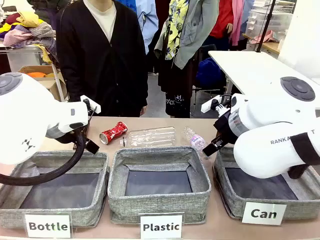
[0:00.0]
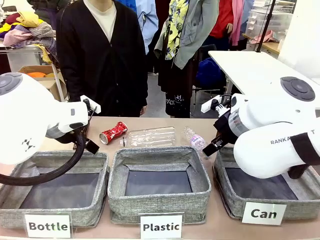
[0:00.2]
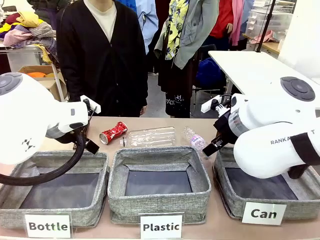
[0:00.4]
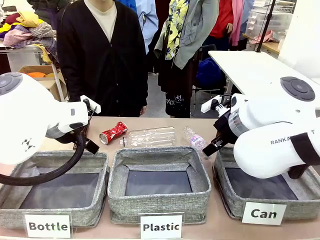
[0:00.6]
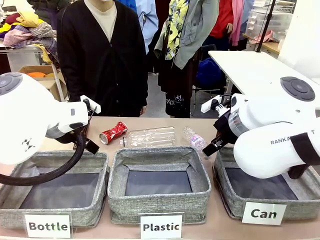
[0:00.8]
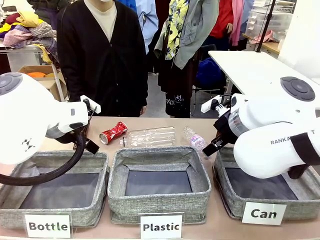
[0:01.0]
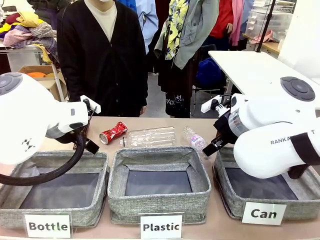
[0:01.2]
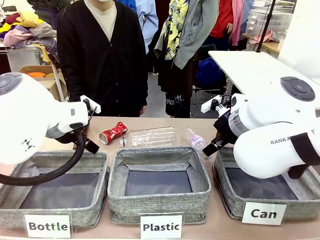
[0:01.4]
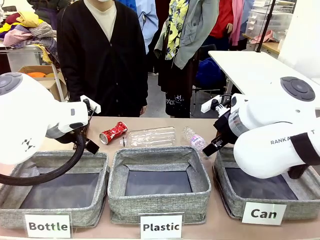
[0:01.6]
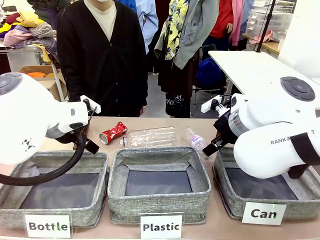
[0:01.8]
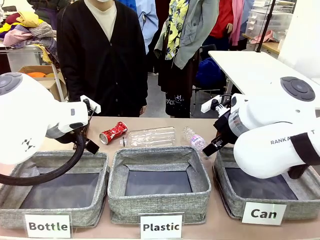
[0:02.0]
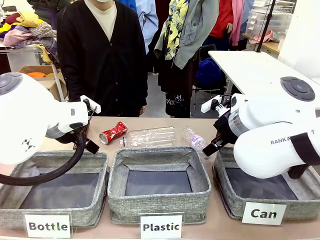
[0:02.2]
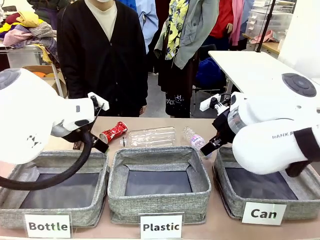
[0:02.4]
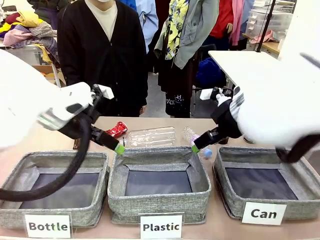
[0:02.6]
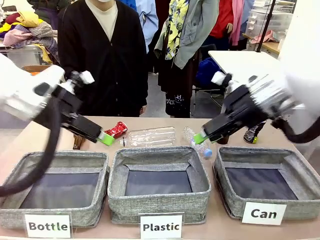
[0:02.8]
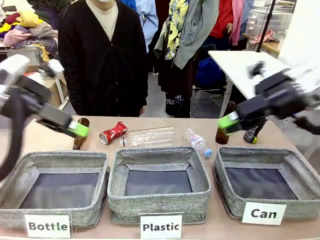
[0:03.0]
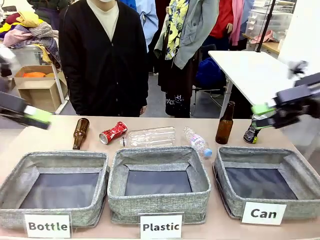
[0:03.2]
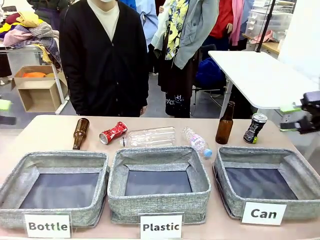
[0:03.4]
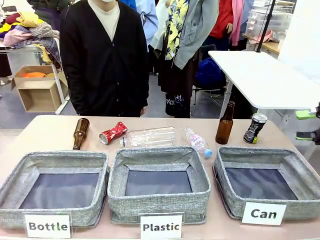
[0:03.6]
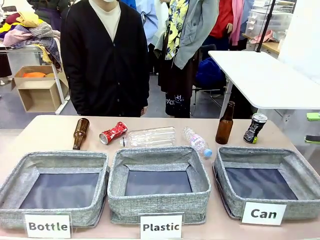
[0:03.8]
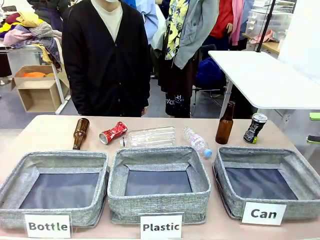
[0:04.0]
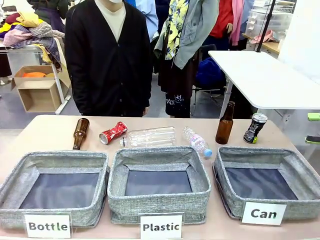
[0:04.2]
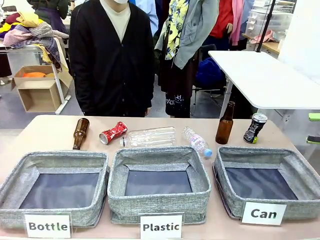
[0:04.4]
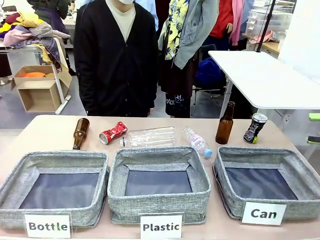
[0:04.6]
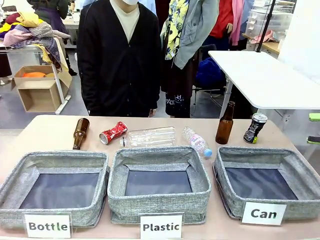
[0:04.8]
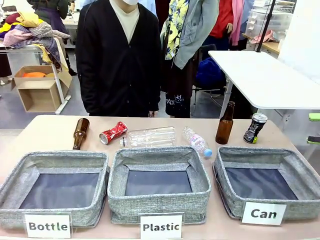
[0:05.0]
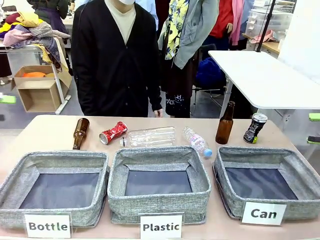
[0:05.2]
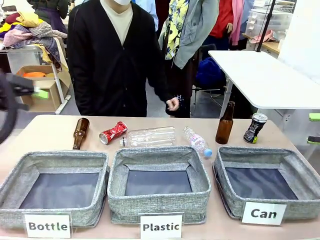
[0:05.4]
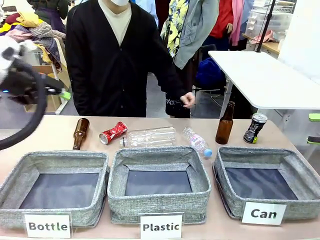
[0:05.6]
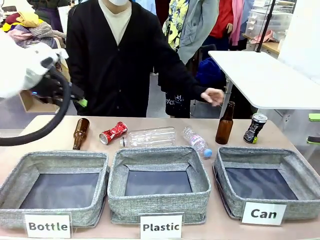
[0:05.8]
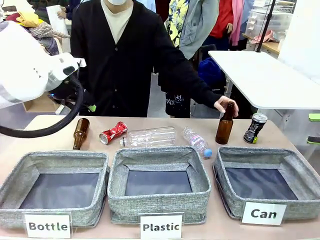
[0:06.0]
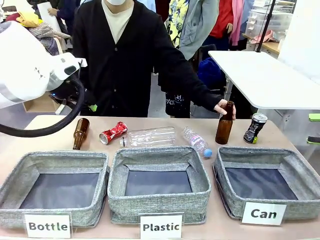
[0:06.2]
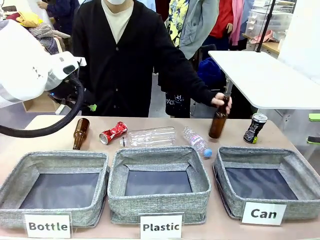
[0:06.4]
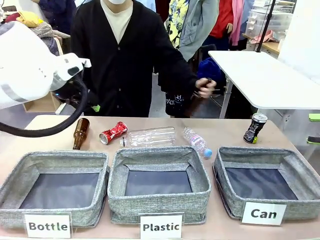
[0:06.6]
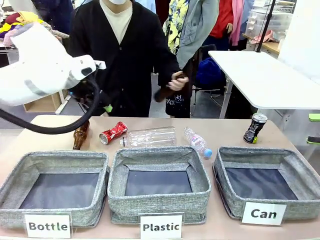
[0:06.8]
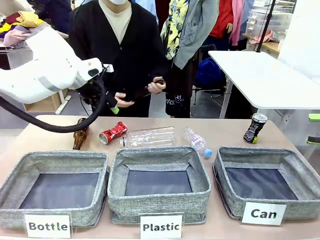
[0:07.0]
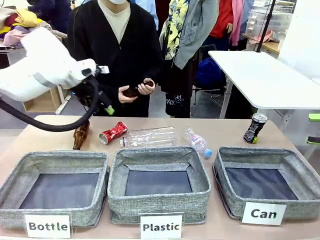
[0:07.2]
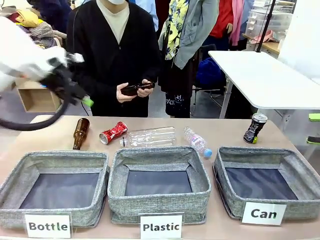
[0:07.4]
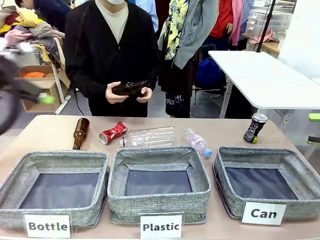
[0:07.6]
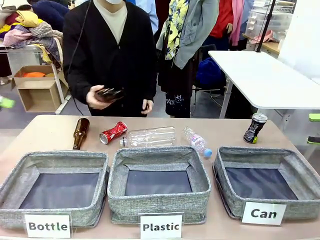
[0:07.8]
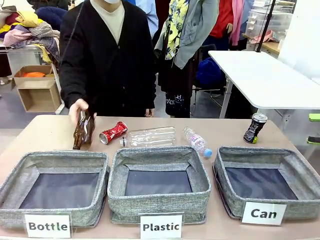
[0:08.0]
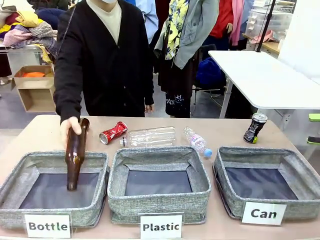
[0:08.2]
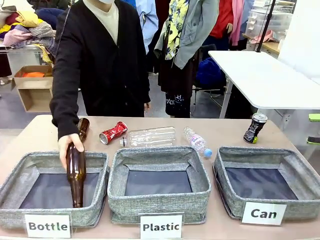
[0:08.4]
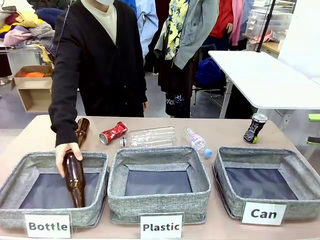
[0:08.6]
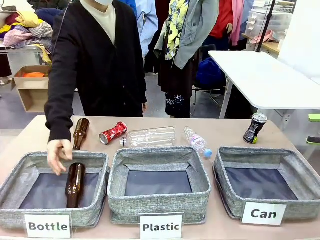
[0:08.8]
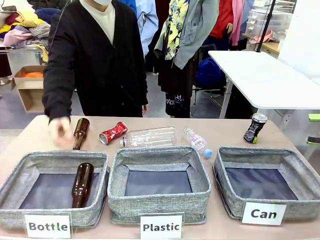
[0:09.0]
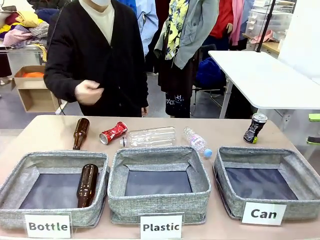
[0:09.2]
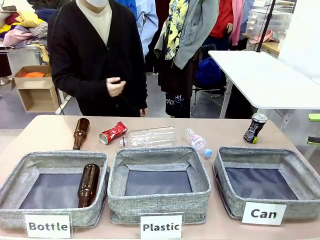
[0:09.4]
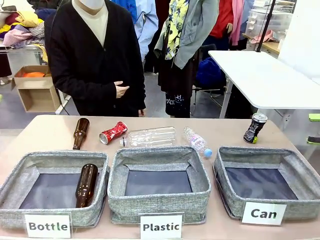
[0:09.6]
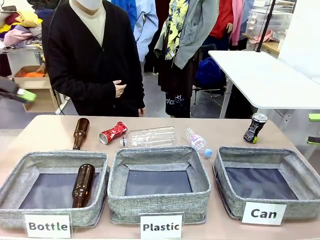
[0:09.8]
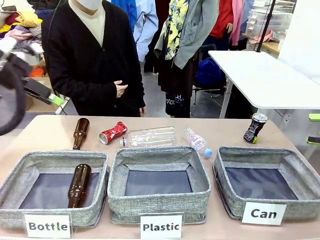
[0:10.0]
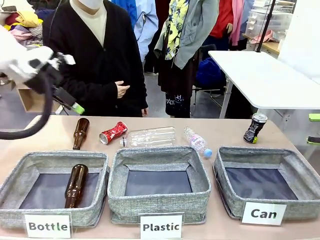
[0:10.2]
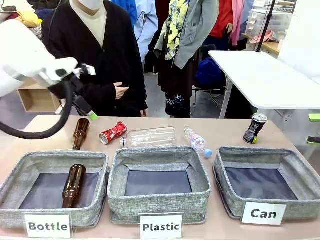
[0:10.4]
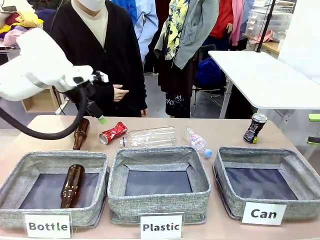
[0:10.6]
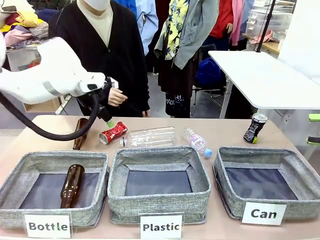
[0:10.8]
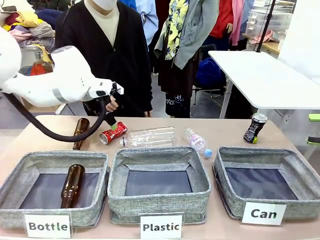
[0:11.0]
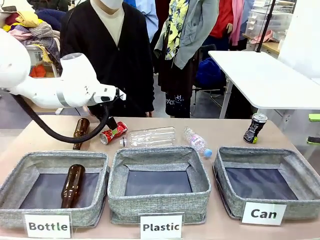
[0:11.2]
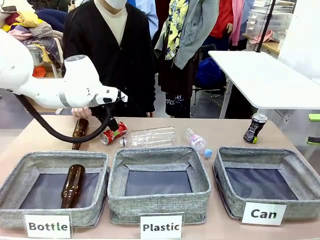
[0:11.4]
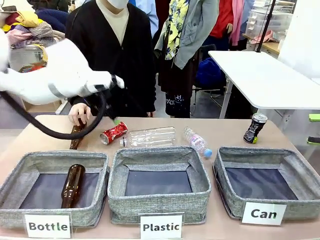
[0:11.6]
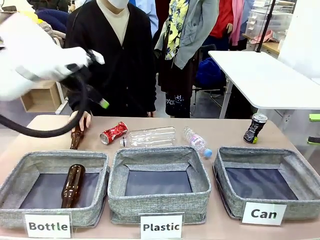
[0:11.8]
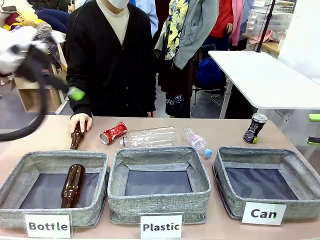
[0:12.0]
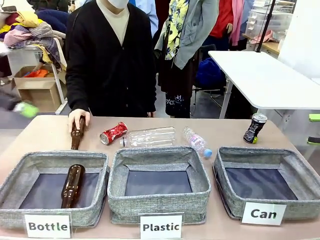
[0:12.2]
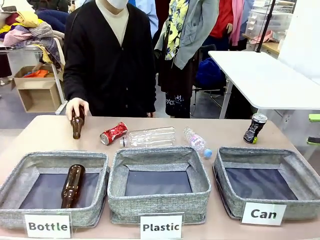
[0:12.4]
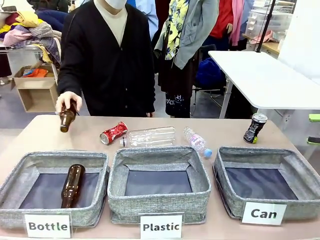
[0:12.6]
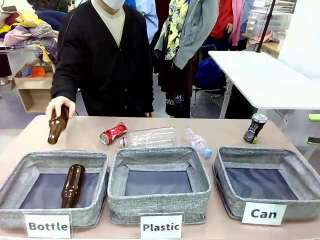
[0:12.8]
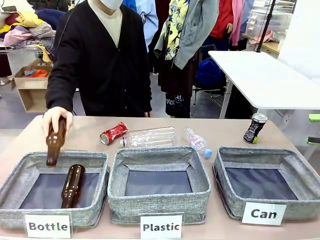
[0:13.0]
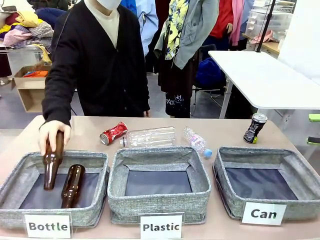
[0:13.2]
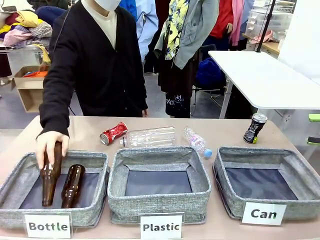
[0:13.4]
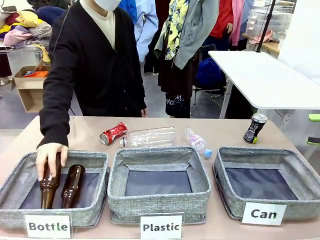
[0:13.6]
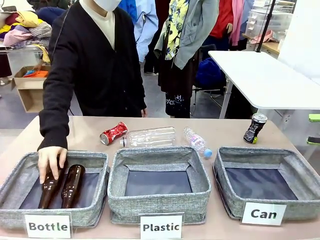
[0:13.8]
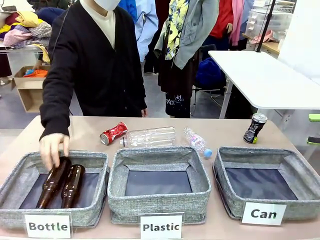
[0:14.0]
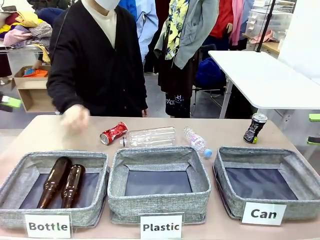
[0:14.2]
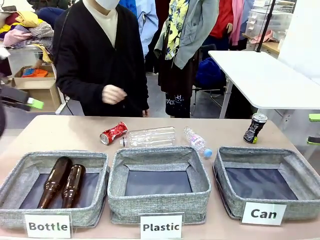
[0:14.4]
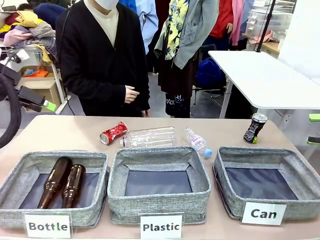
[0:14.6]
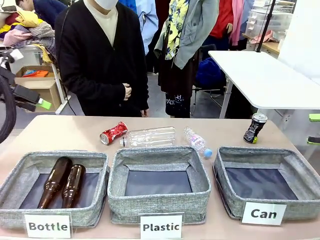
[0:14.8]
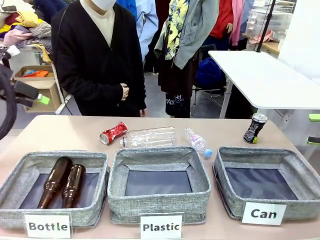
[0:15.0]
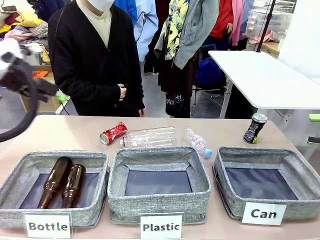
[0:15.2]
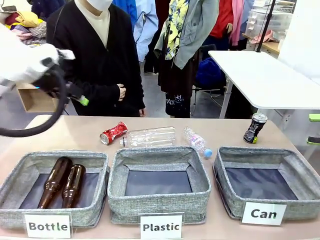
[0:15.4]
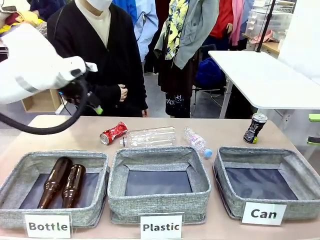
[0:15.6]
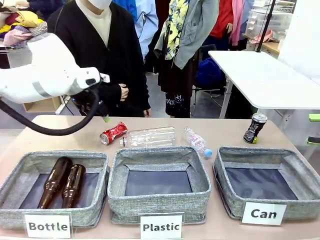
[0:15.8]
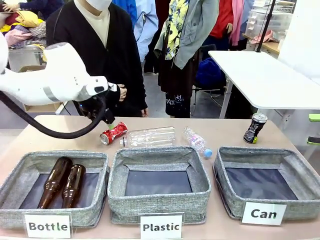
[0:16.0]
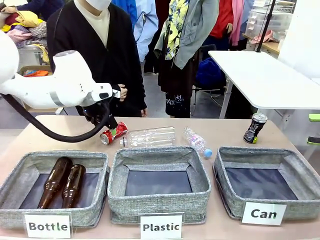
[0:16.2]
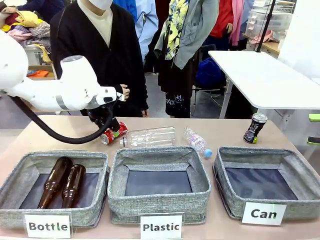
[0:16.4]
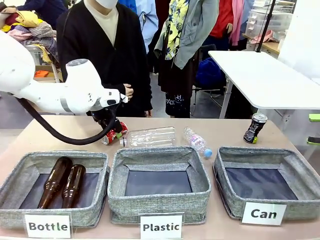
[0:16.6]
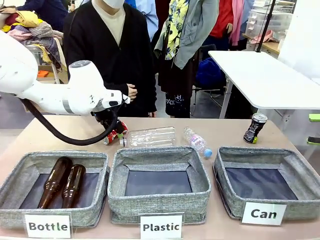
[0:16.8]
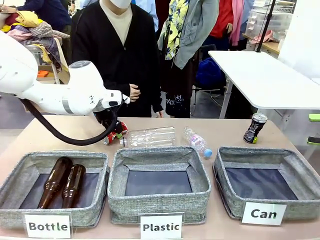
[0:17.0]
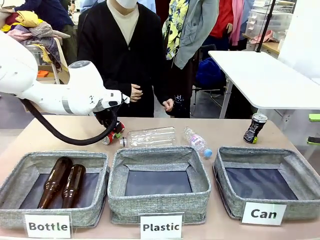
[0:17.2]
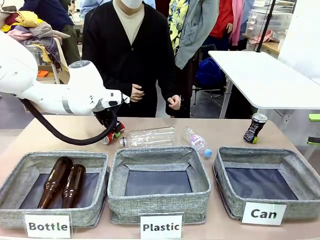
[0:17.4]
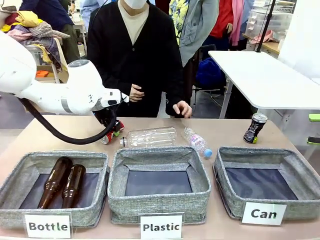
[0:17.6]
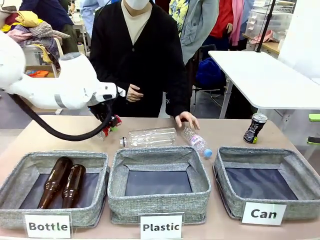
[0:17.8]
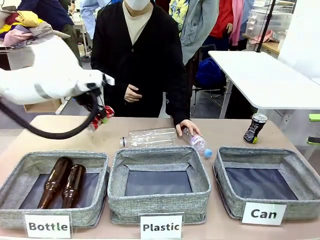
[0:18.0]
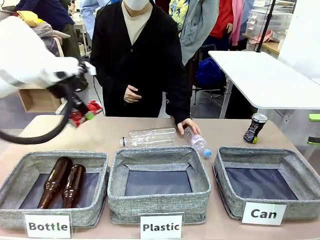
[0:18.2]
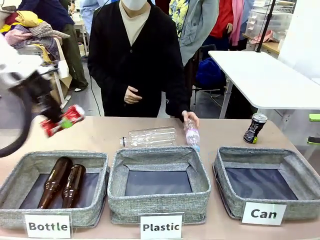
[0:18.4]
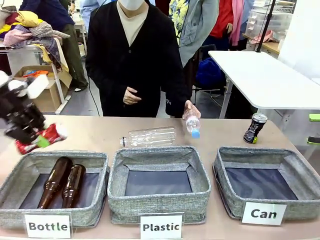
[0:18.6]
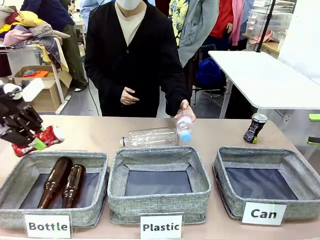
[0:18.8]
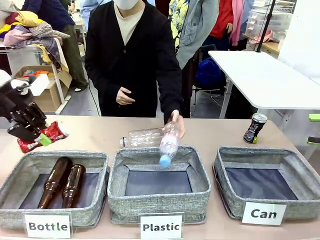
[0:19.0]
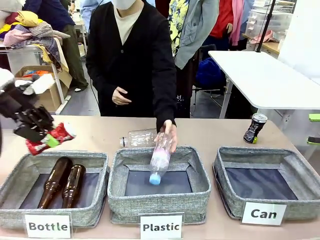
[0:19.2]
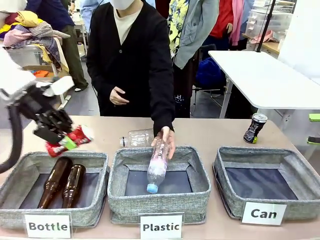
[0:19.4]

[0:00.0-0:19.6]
Task: Sort the can waste into the basket.
Robot: Pick up the can waste from the table and place it in the right Fabric basket.
